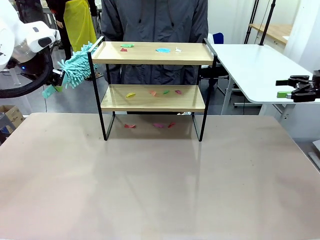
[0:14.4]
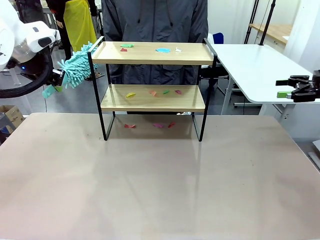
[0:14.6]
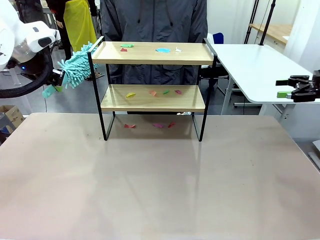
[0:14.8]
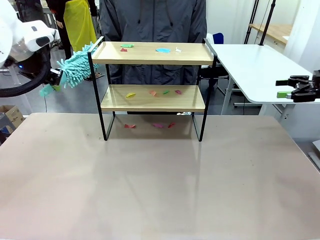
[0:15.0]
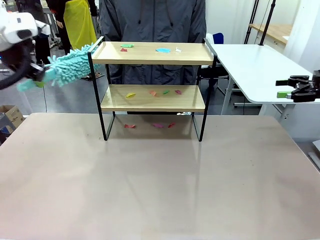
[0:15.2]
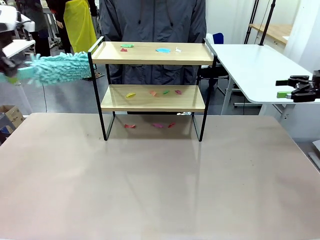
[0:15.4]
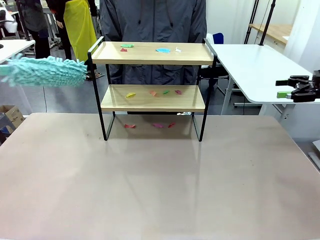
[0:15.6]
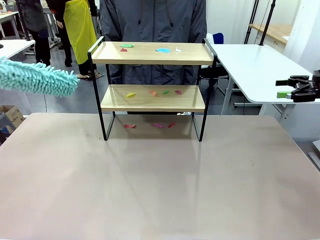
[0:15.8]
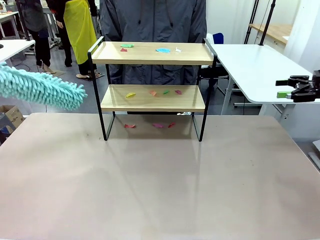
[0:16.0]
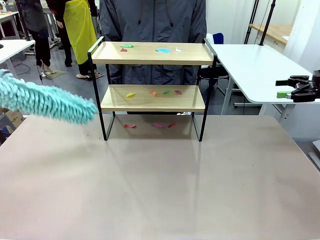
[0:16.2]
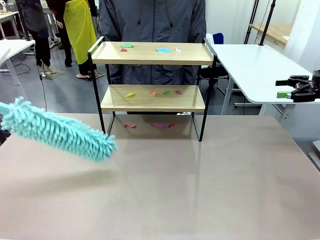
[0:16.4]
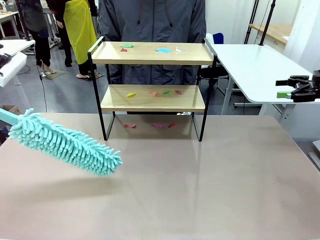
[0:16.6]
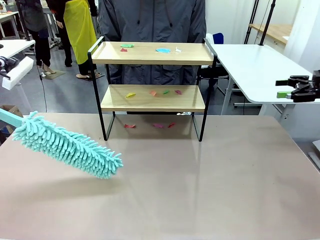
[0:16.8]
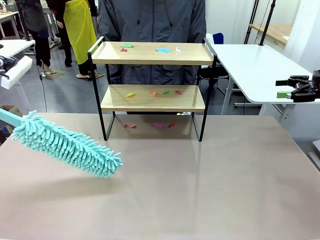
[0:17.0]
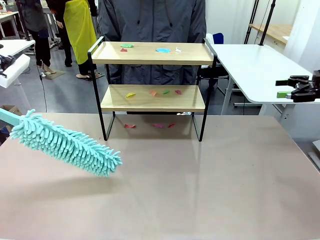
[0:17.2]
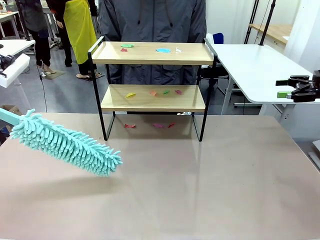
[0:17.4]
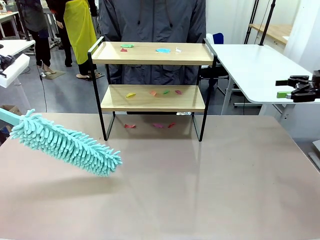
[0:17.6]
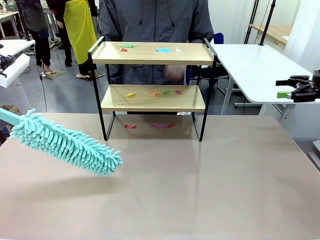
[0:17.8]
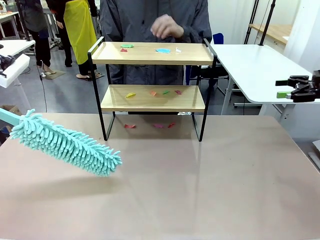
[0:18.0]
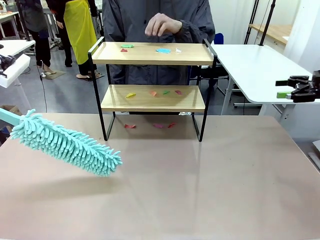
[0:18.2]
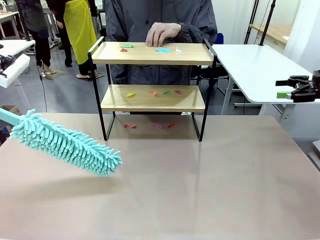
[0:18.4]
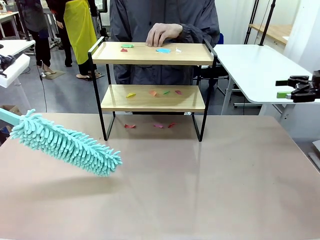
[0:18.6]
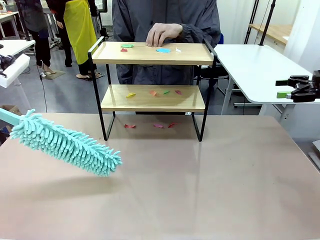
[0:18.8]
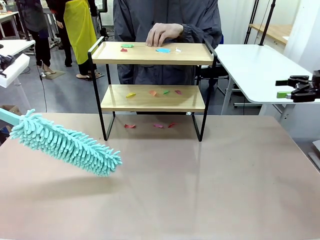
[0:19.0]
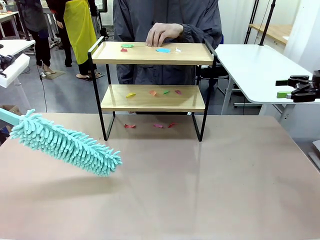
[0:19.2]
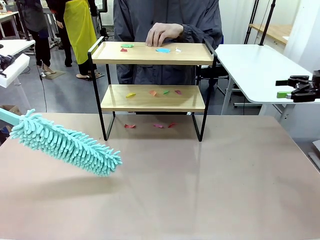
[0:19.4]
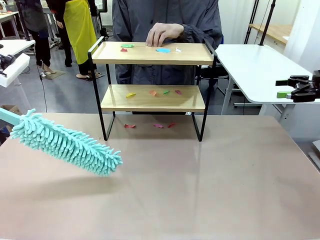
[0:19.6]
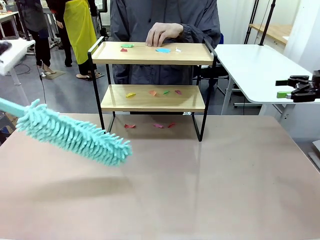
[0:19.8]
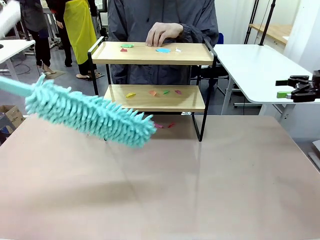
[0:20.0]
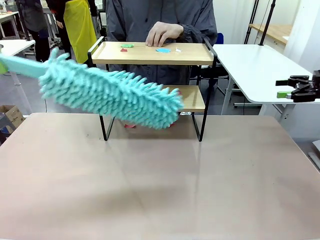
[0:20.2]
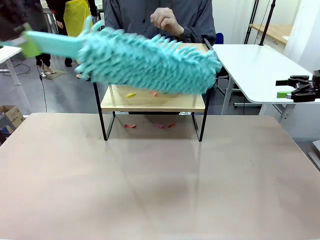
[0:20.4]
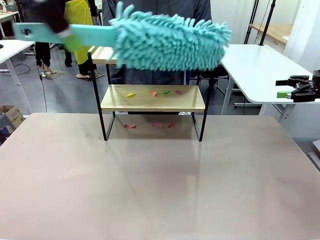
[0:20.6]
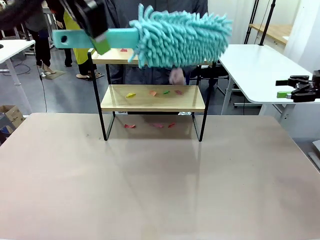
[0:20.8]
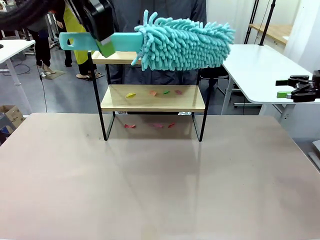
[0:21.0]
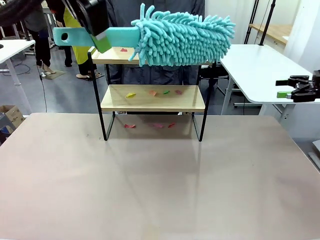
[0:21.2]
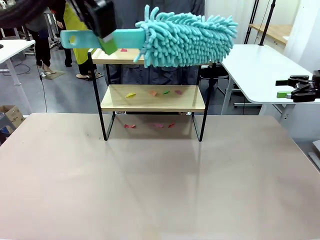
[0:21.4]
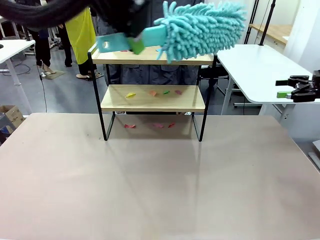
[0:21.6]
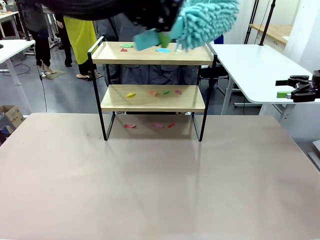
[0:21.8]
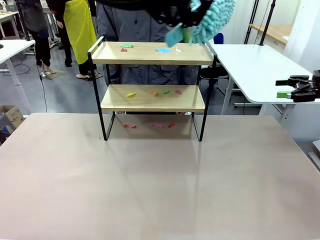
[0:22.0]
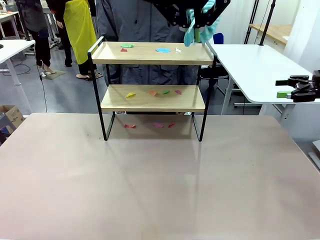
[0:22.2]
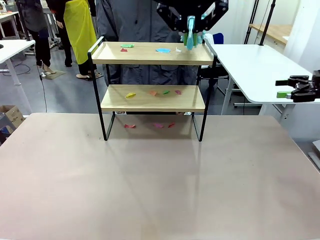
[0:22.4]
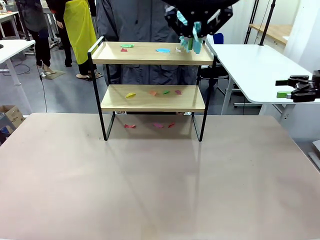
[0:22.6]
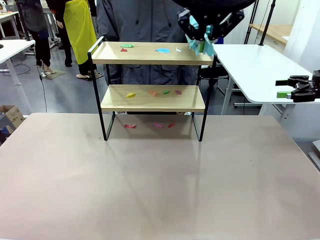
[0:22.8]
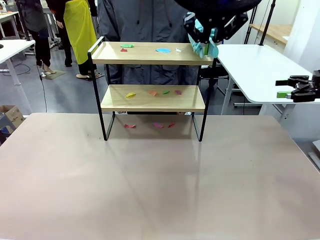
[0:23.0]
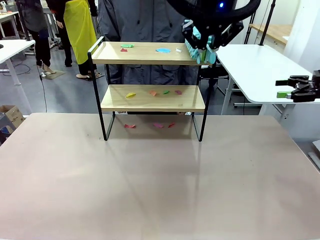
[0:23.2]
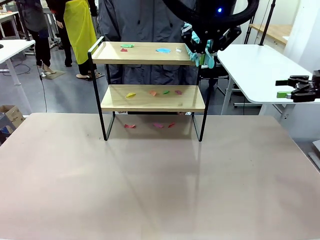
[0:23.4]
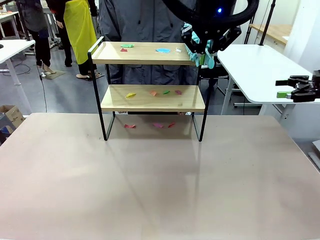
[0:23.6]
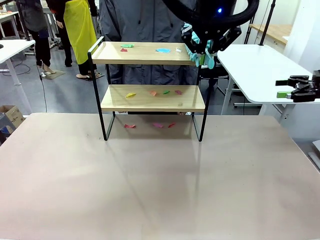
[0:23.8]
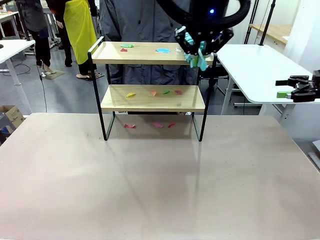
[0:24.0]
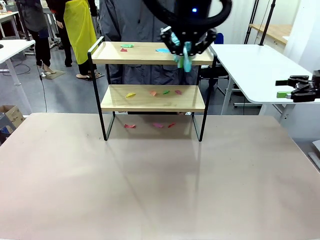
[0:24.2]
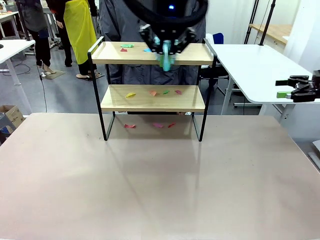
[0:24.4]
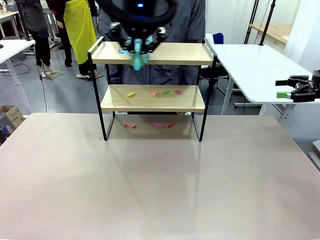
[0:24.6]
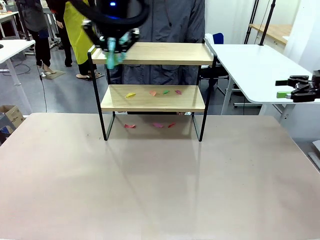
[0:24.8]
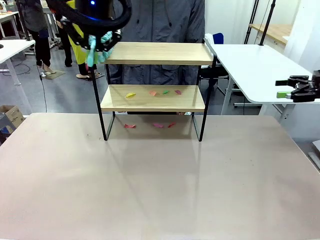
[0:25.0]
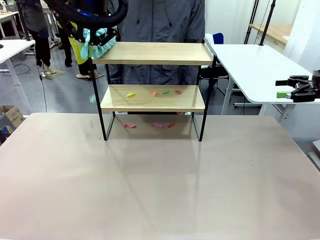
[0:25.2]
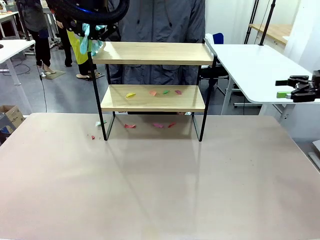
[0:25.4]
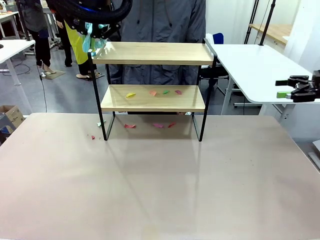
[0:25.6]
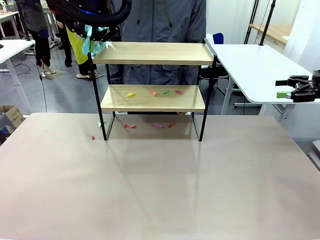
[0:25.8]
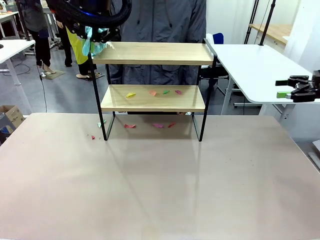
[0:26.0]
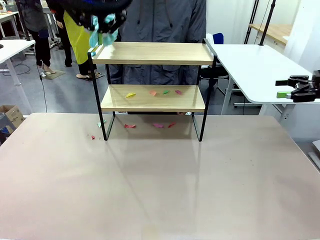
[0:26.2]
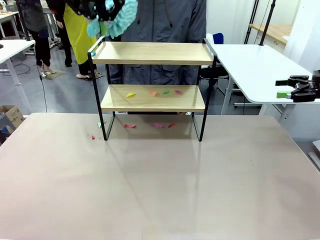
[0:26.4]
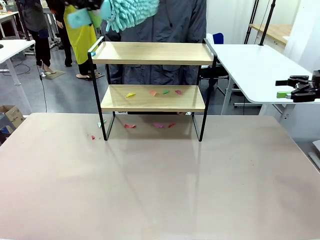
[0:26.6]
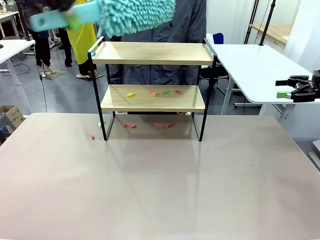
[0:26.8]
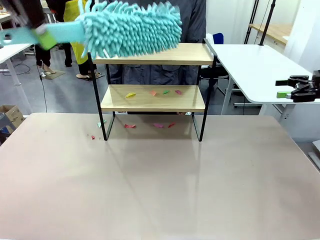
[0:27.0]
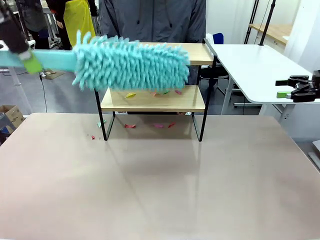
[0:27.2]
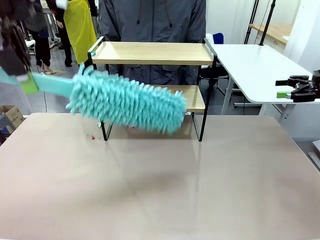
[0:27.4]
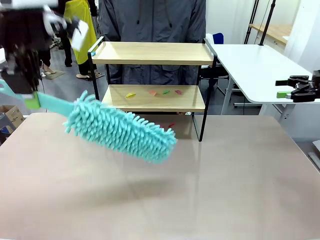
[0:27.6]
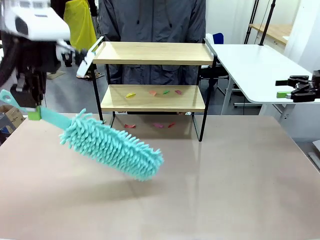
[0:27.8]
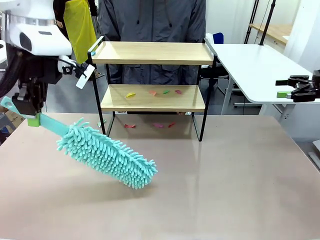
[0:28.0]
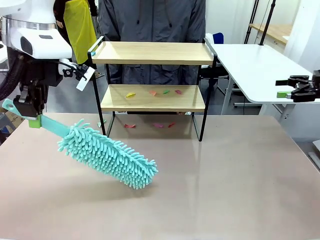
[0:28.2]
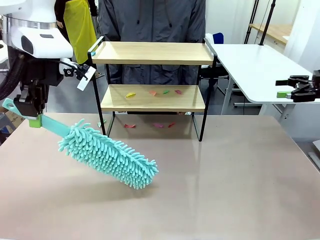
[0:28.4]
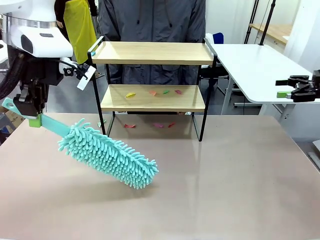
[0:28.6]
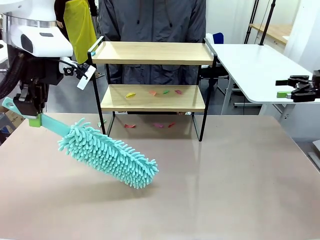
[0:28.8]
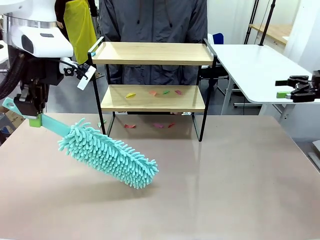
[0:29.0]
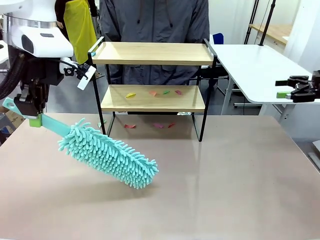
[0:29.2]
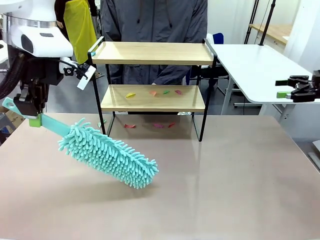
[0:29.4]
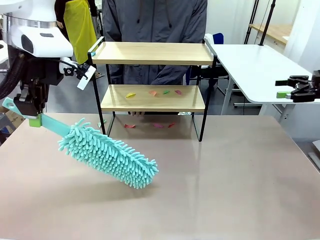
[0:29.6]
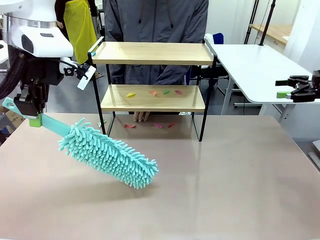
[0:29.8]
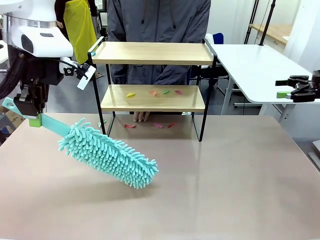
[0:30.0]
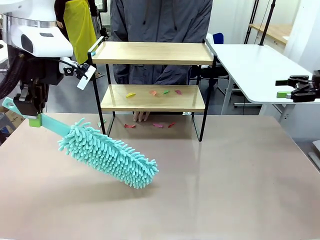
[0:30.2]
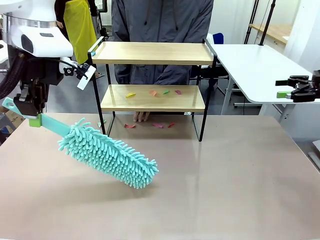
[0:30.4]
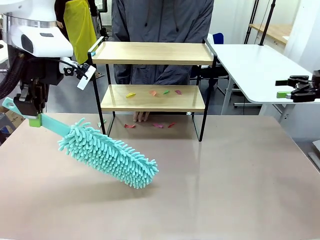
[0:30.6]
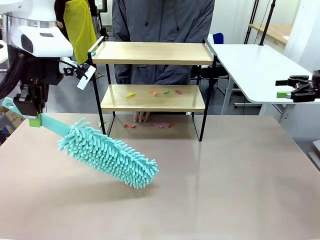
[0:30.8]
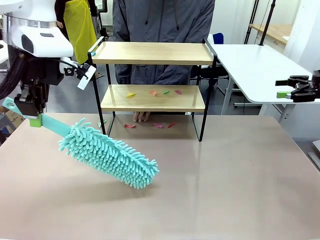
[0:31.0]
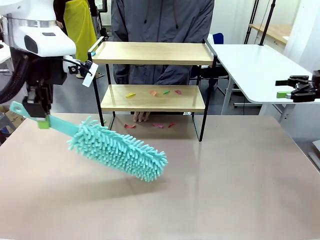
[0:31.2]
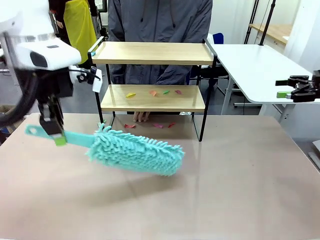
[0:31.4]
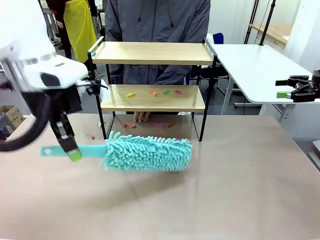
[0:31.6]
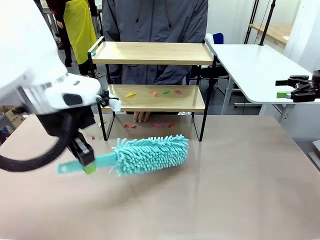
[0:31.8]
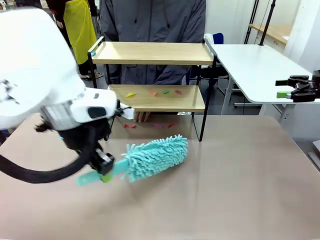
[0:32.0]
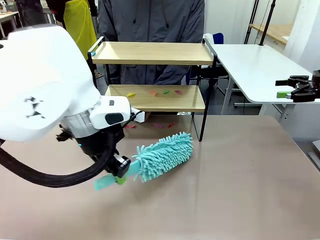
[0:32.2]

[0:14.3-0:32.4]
Task: Clean the shelf.
Robot: Clean the specific section of the Shelf indicated by the human with the Duster.
Person: Point a random section of the Shelf.
